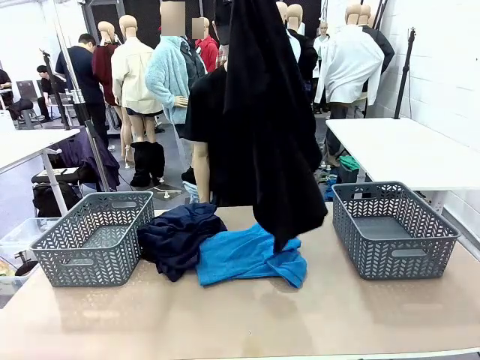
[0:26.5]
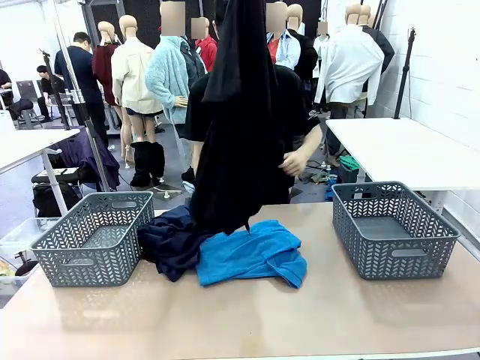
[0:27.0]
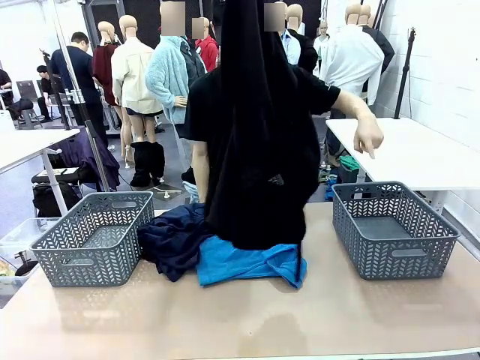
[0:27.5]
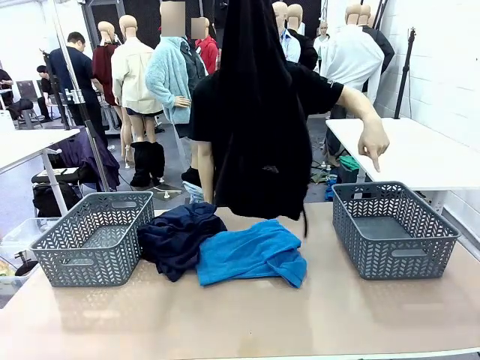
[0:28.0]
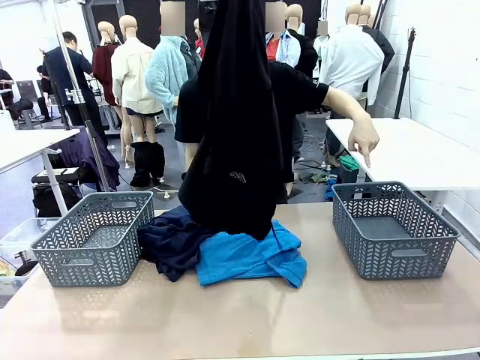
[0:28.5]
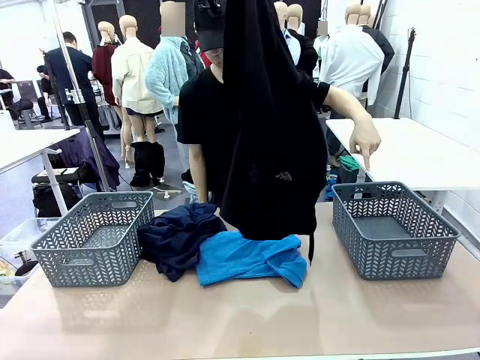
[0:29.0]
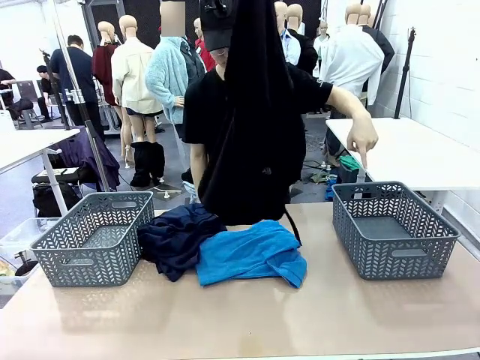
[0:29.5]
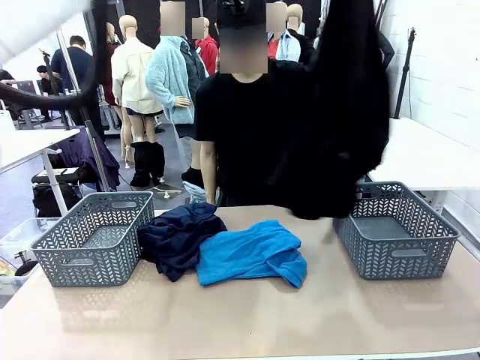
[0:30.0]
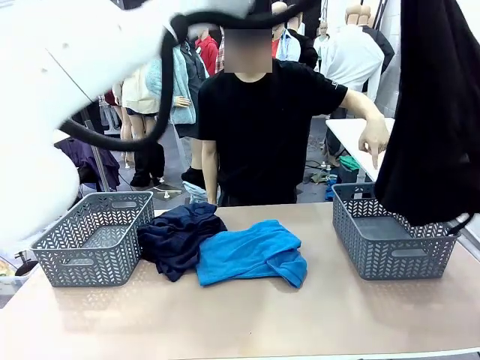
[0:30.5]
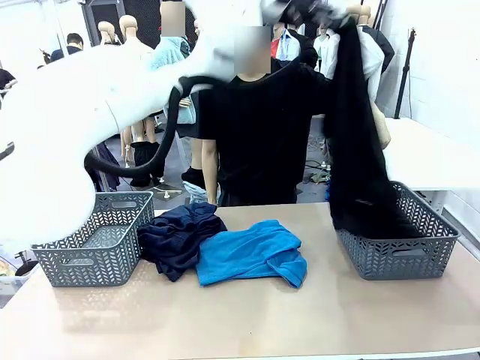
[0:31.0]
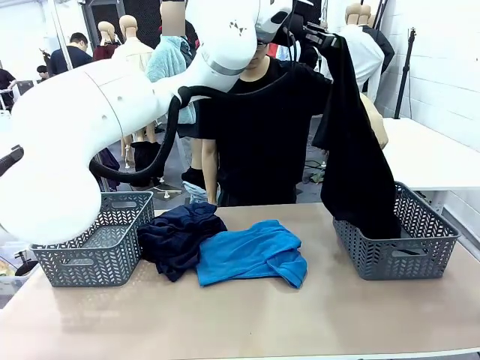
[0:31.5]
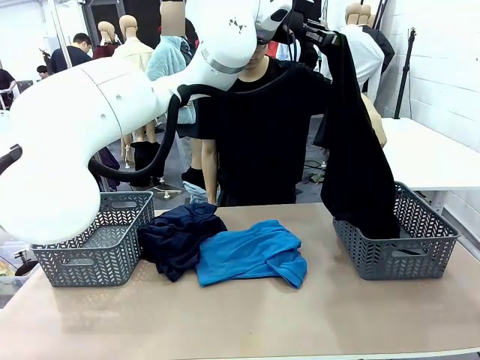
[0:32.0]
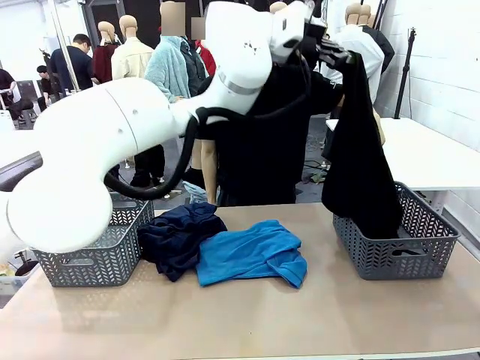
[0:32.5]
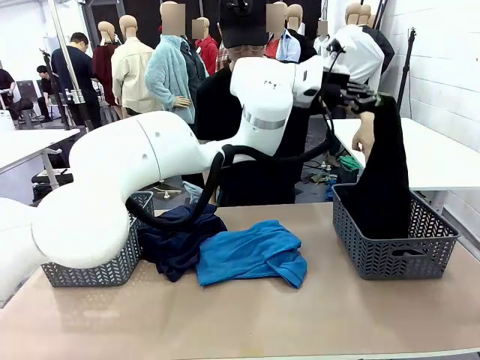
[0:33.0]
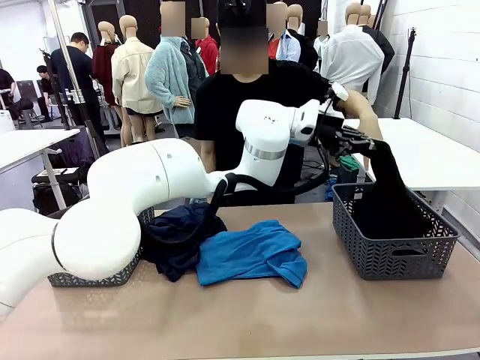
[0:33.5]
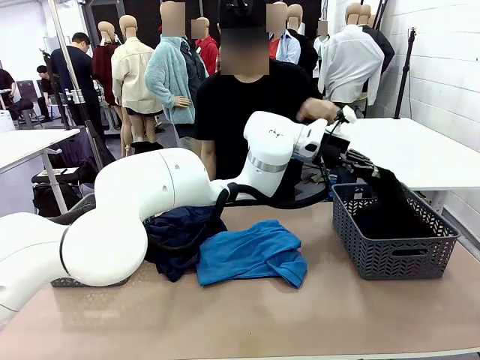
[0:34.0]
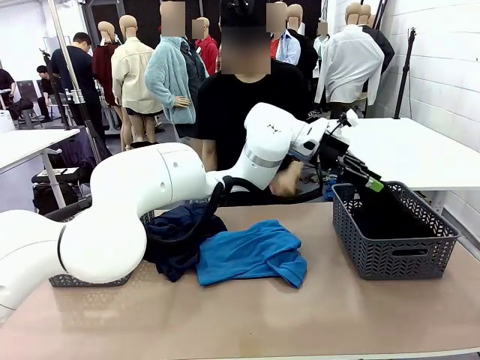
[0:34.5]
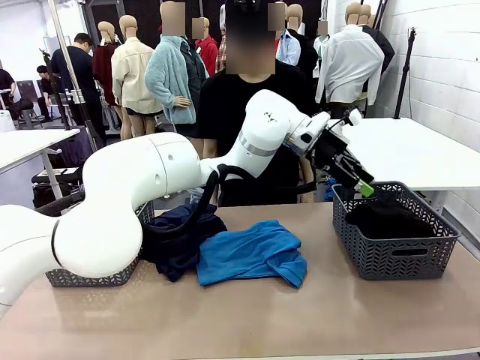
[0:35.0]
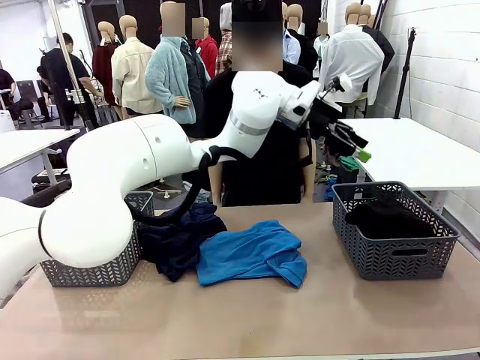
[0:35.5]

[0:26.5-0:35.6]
Task: Sort the tops and bottoms.
Robot: Sort the clothes according to human instructions.

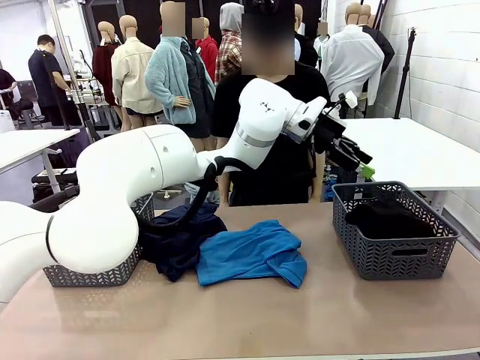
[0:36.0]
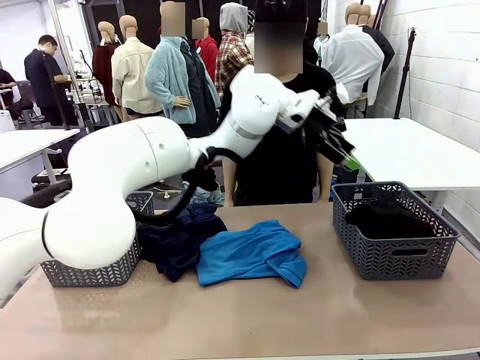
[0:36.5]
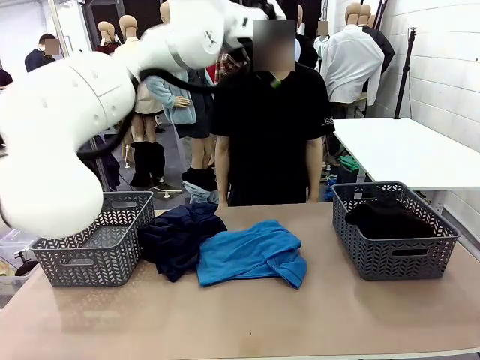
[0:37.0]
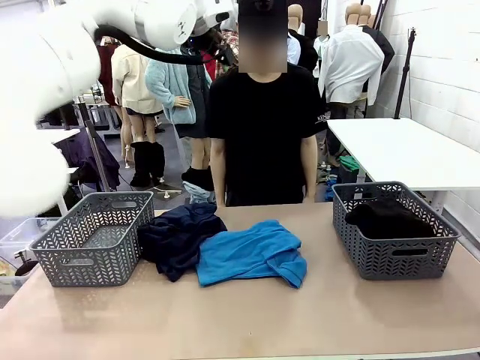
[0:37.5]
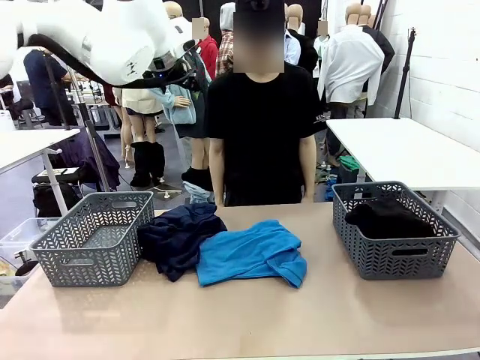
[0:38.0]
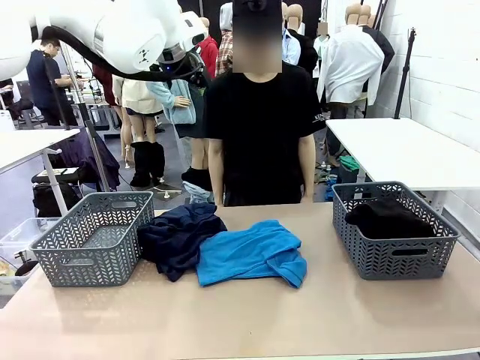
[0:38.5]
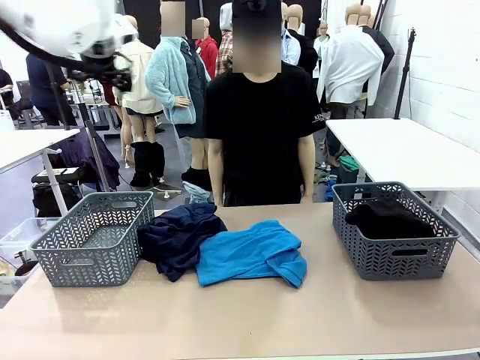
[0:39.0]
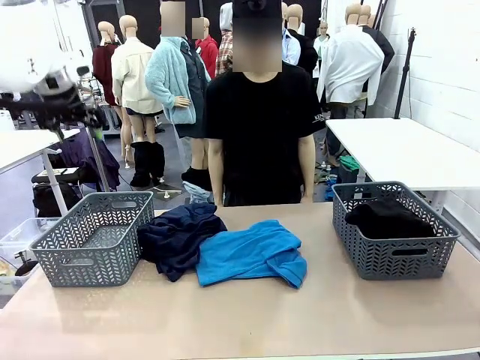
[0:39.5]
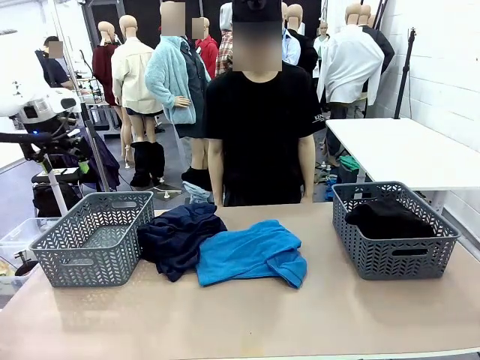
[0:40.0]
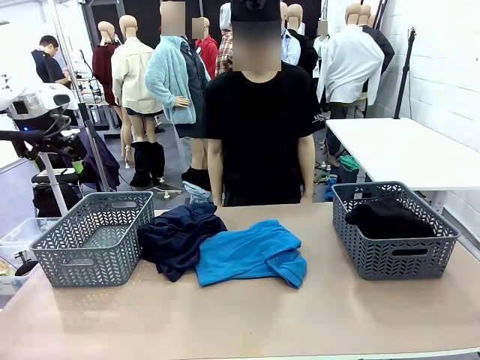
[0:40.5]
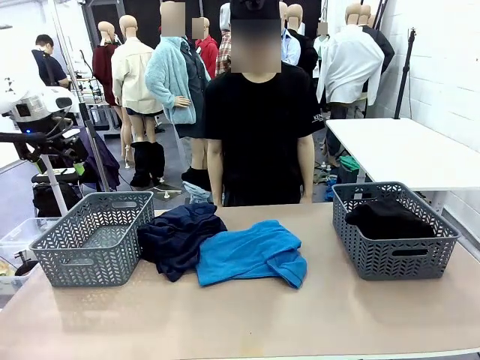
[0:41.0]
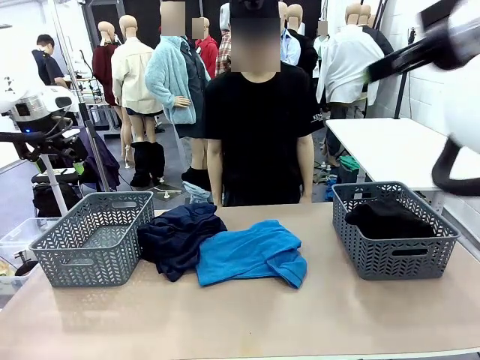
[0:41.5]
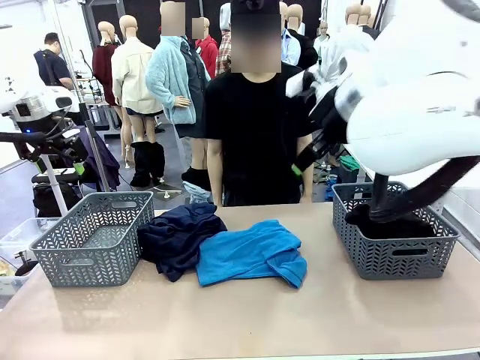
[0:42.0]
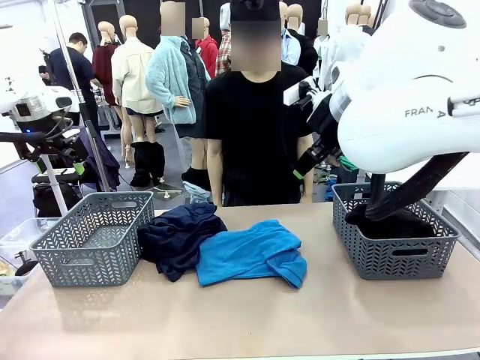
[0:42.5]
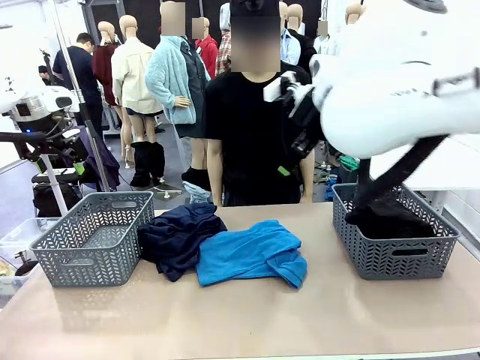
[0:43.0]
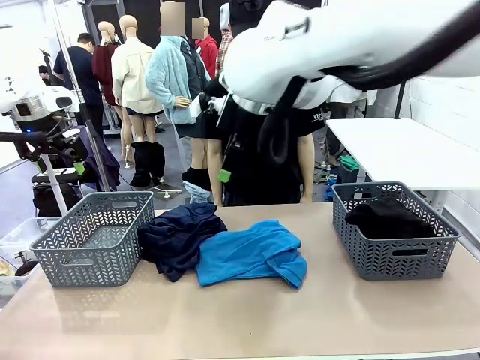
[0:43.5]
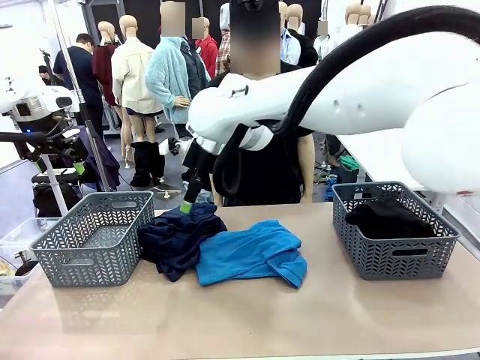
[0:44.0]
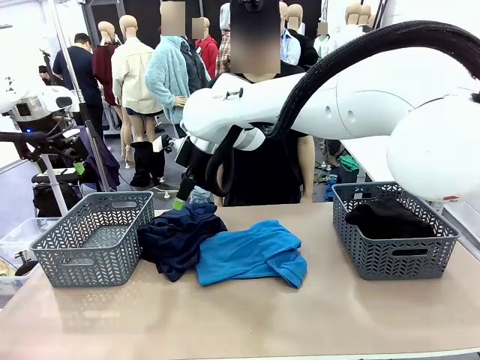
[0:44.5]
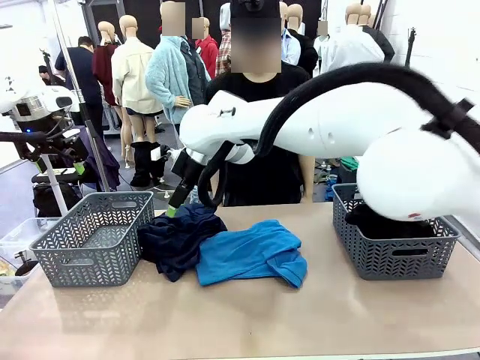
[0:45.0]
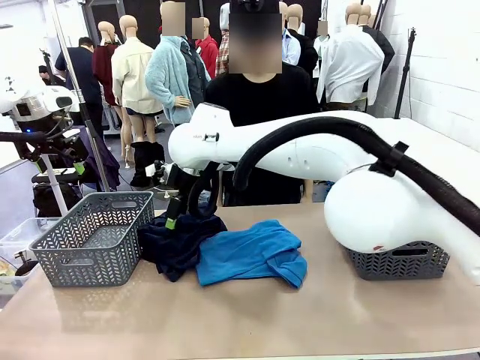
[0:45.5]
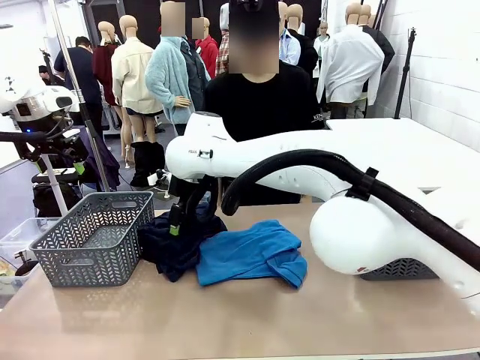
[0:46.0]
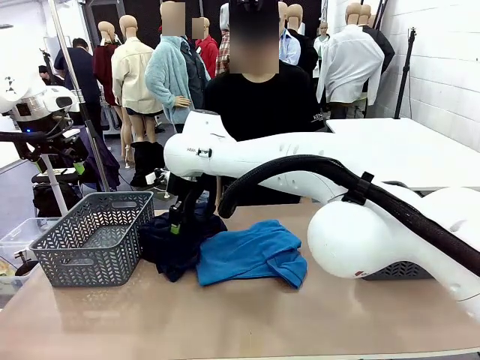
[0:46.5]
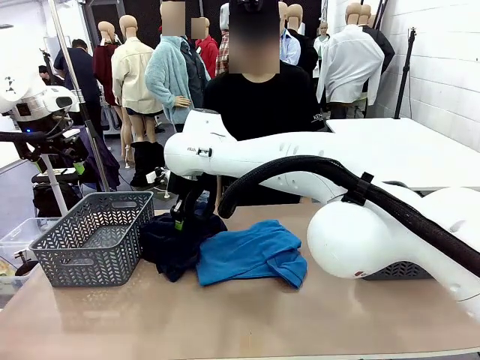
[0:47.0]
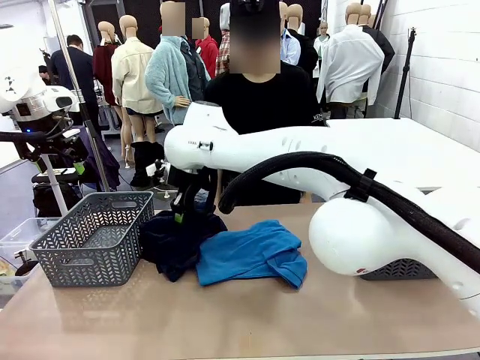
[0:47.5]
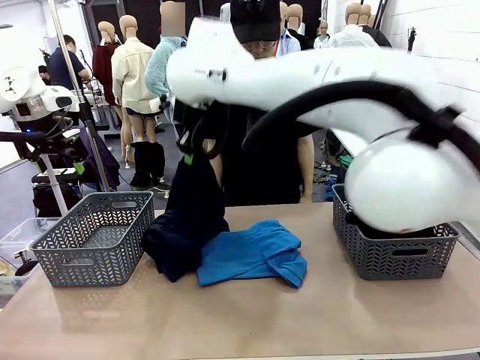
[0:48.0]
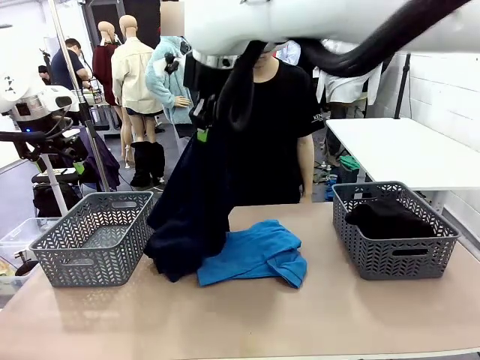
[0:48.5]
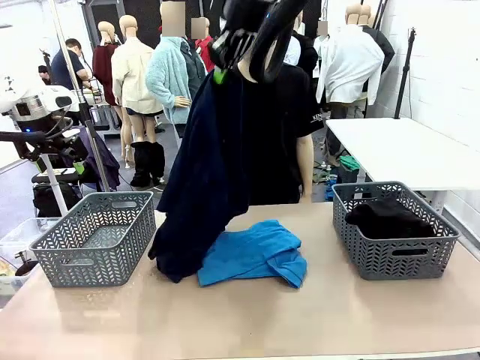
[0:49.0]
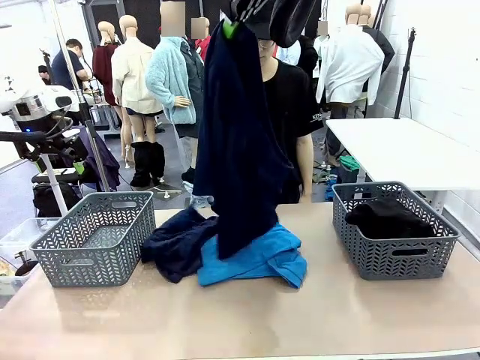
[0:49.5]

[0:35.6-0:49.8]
Robot: Lift clothes from the center of the table with your right hand.
